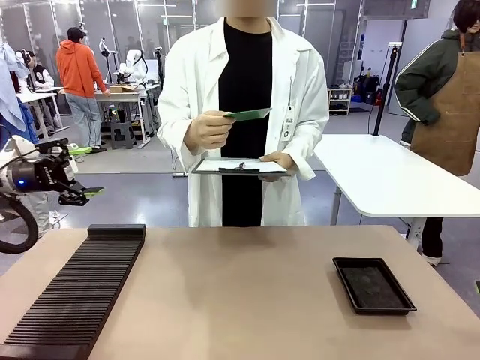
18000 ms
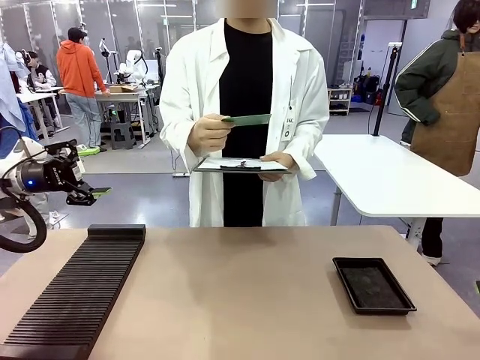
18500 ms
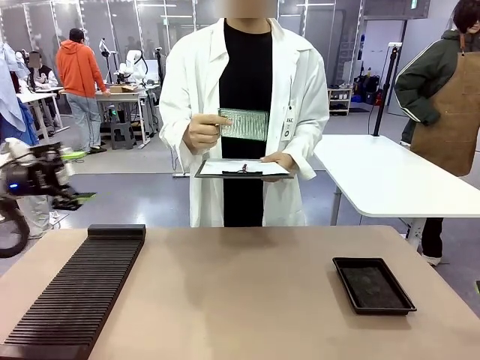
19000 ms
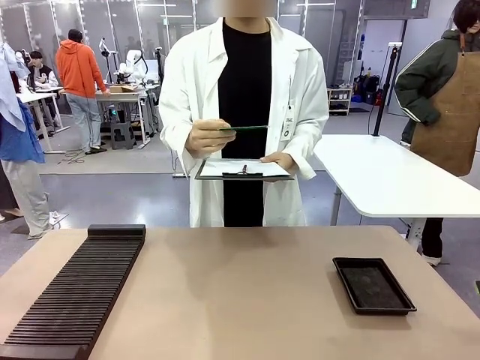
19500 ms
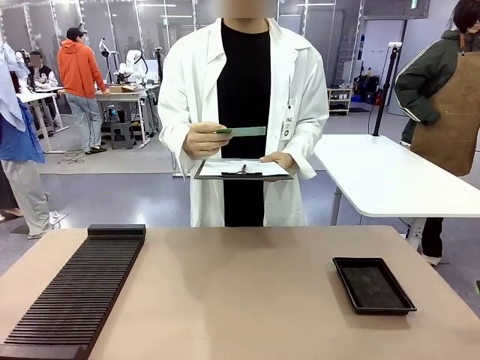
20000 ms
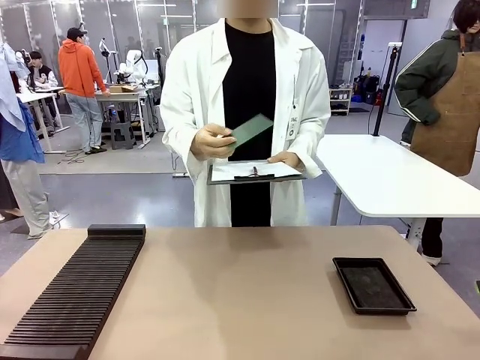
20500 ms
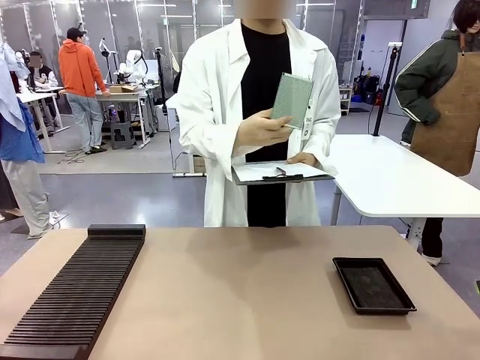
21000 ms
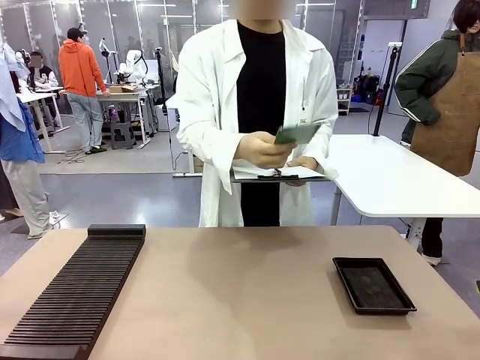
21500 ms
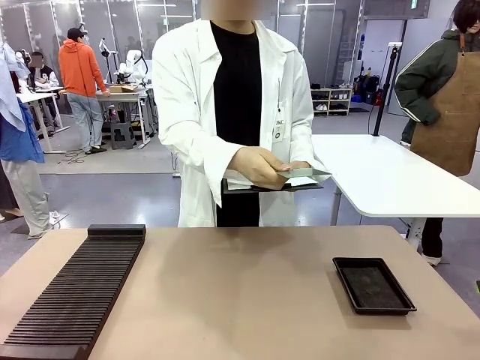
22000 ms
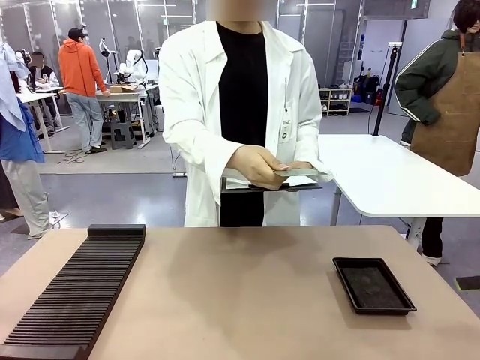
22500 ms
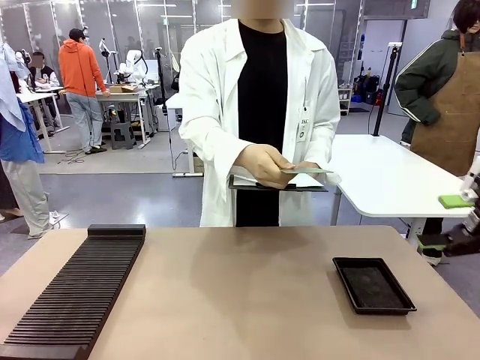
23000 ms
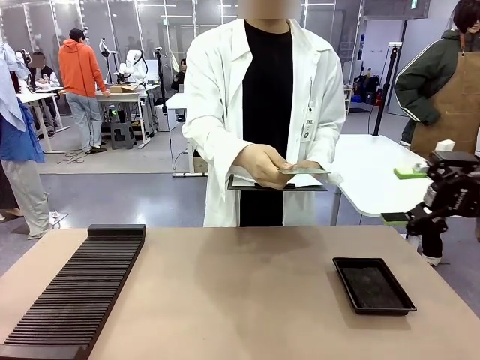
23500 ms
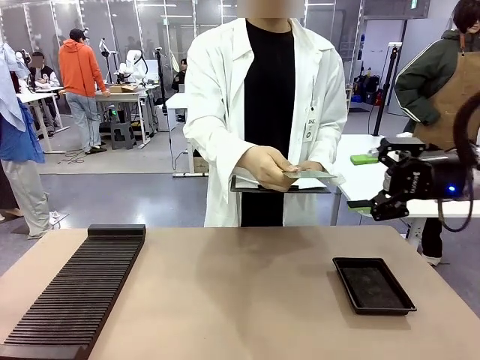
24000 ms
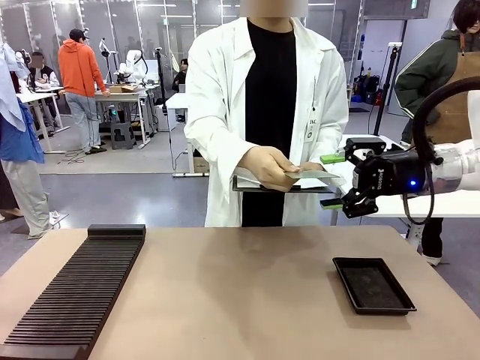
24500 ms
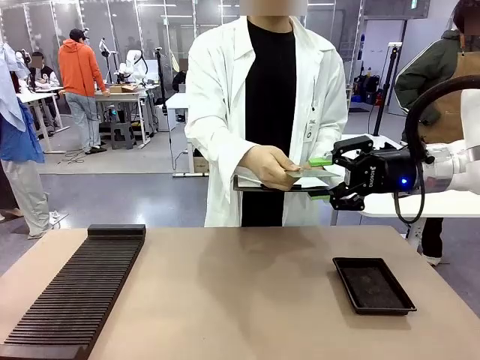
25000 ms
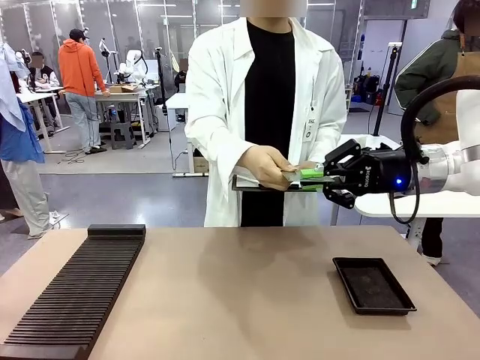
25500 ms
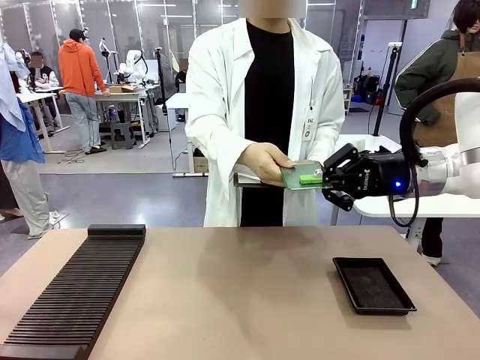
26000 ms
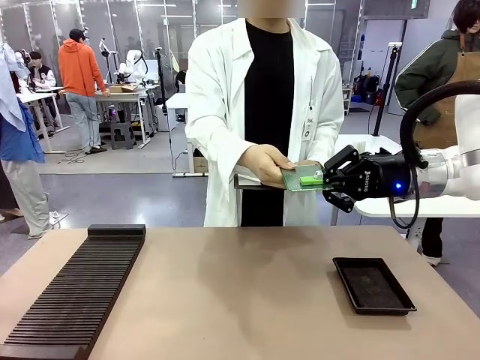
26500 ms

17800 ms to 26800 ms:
Task: Inspect the PCB.
Robot: Pick up the Blank PCB that the human is holding.
Person: Inspect the PCB placed by the robot, then hold it out in front of the robot. Release the PCB you were holding.

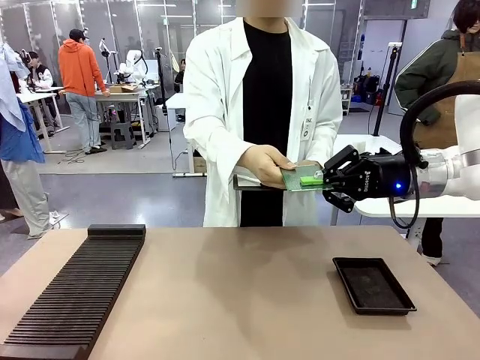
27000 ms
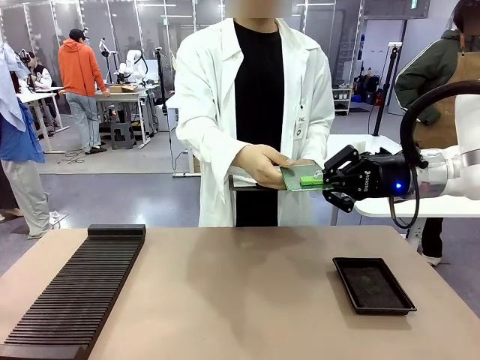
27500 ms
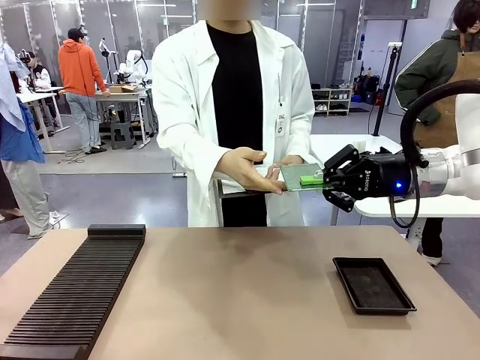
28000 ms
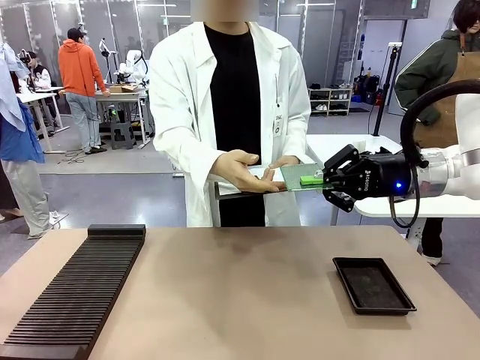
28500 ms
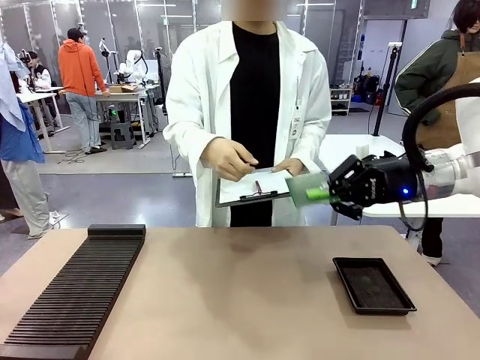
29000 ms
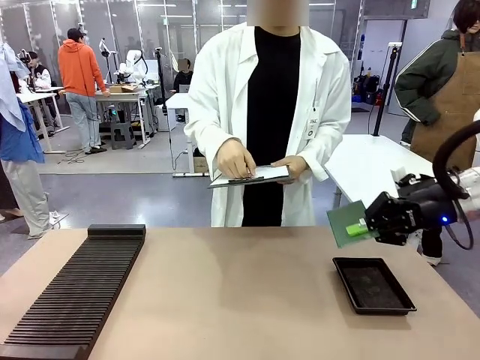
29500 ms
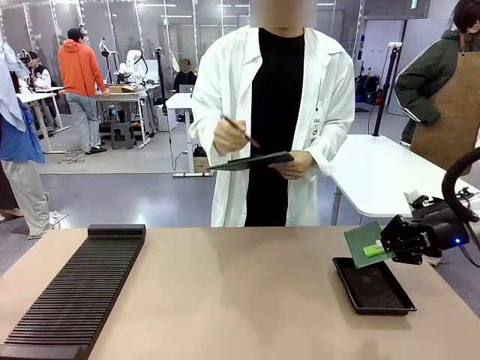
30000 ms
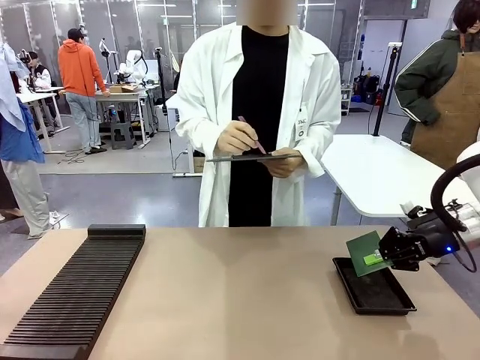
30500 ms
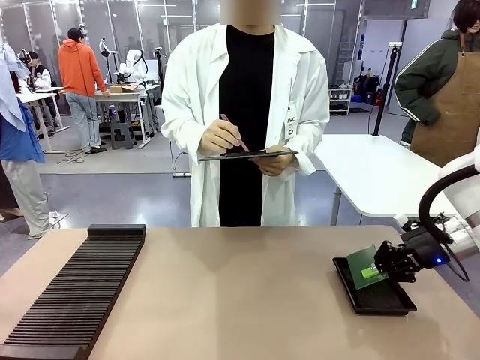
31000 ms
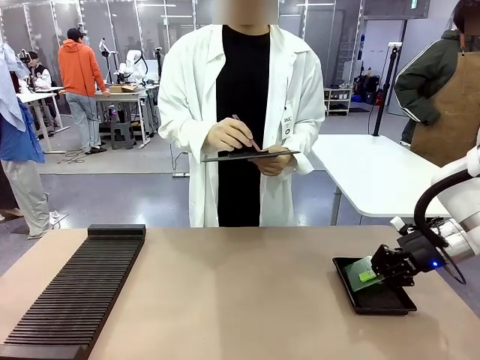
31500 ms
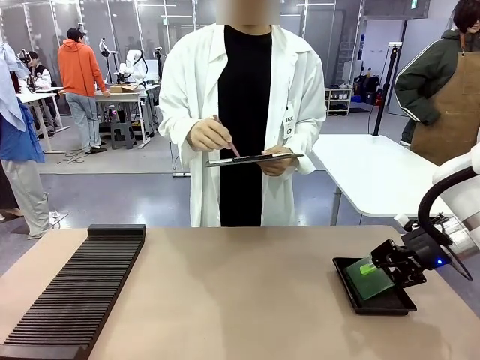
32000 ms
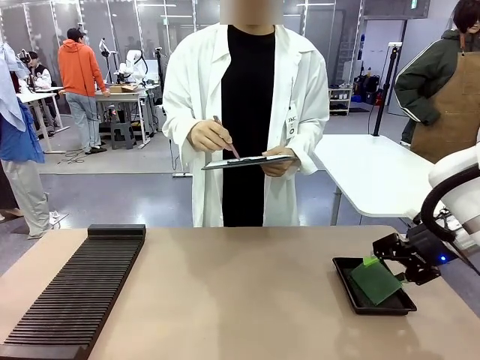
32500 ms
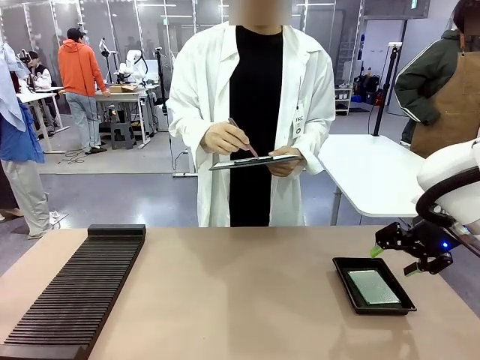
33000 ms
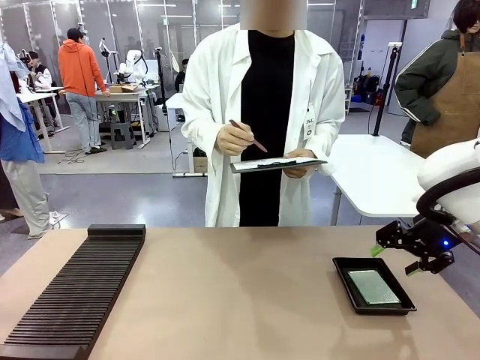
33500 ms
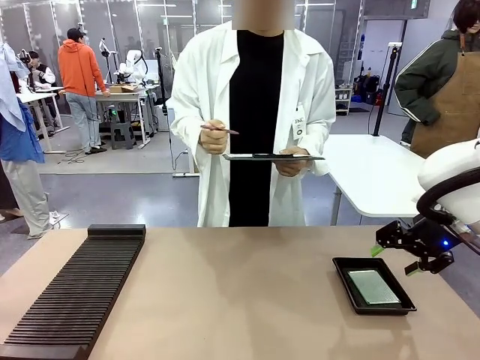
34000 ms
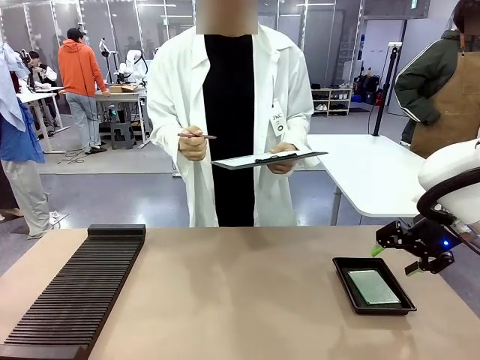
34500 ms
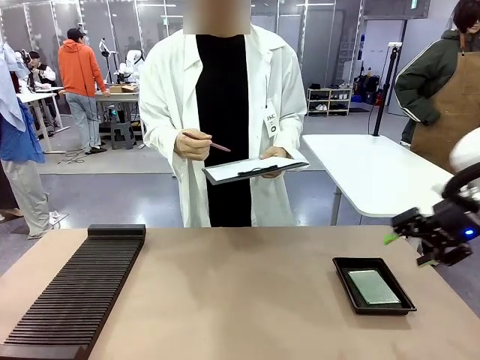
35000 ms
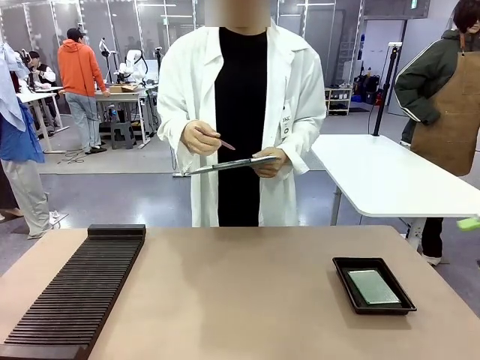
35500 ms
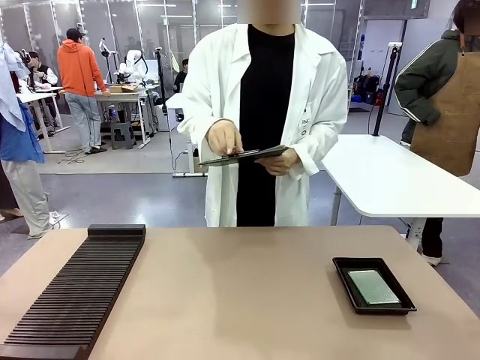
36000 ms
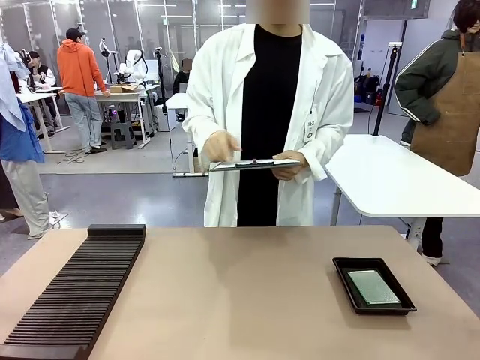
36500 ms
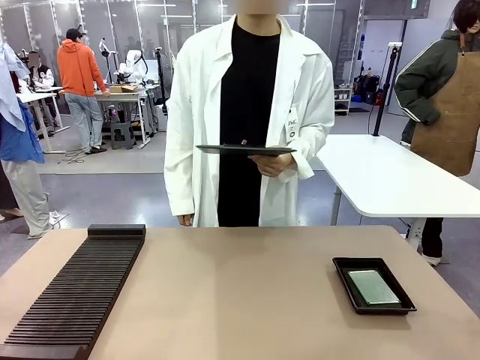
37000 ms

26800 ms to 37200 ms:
Robot: Place the Blank PCB in the ESD tray.
Person: Record the PCB status on the paper.

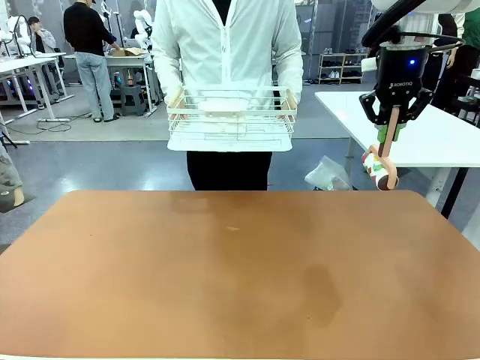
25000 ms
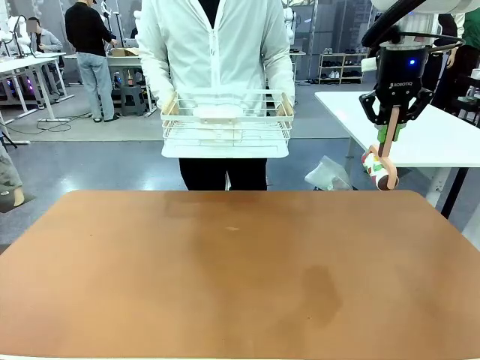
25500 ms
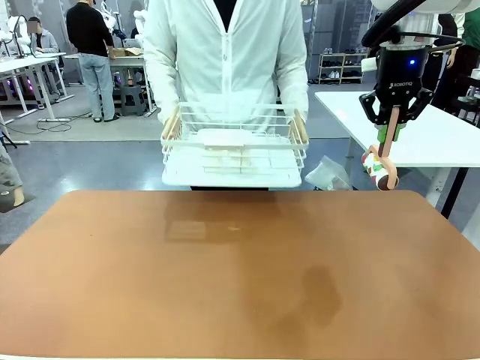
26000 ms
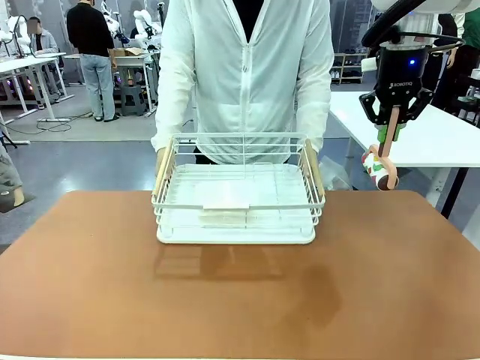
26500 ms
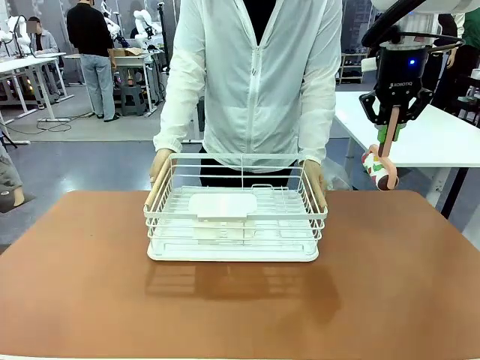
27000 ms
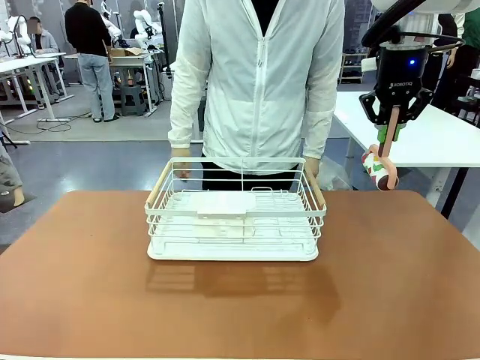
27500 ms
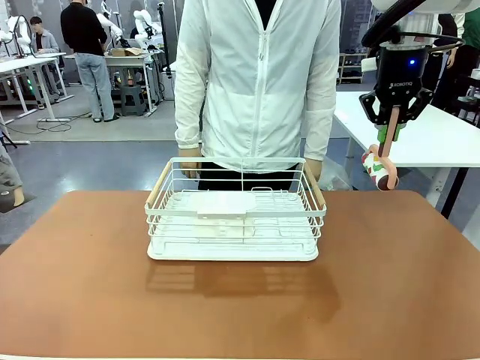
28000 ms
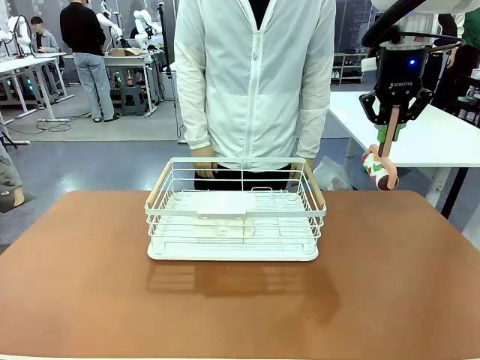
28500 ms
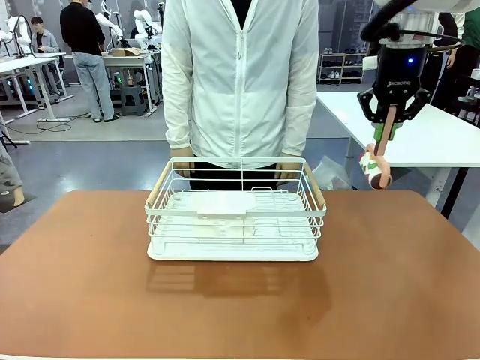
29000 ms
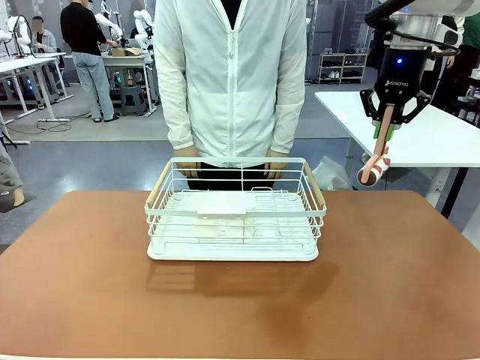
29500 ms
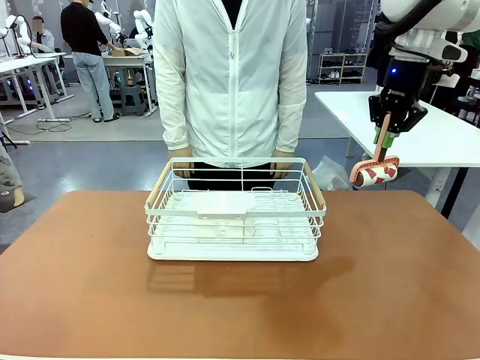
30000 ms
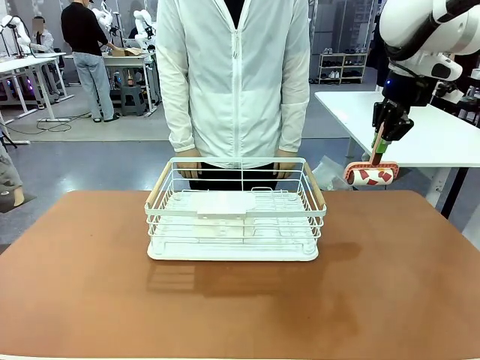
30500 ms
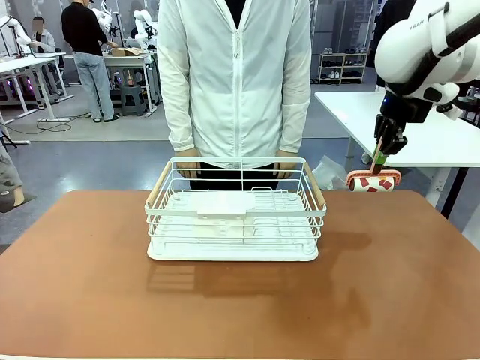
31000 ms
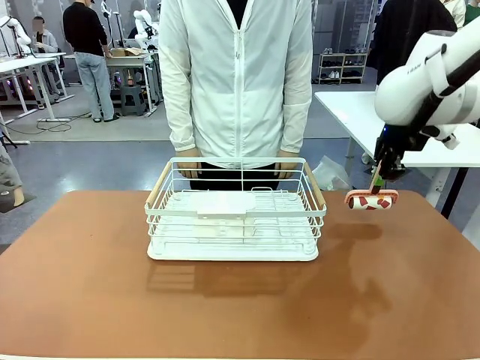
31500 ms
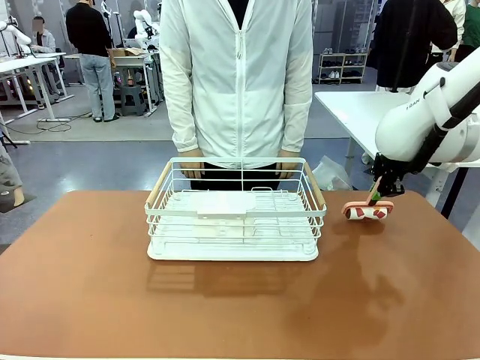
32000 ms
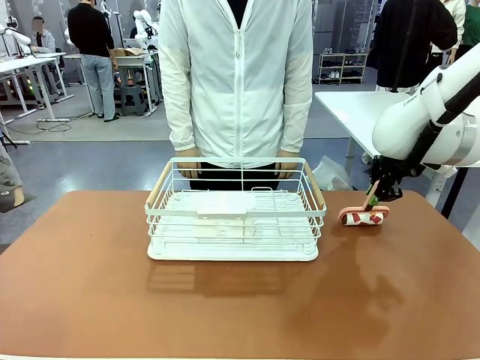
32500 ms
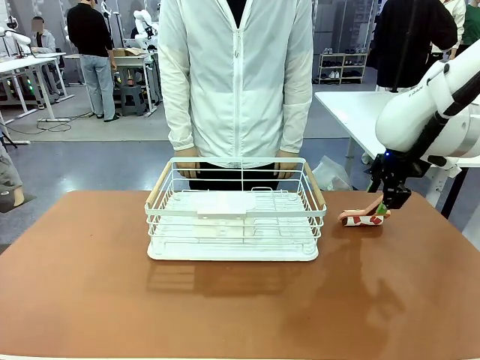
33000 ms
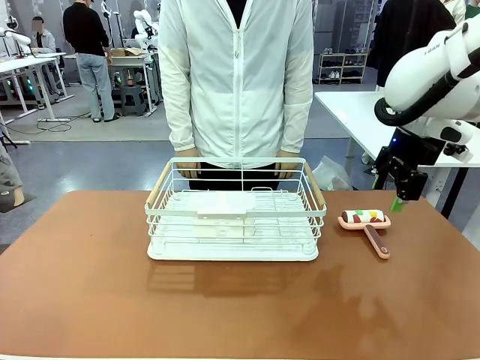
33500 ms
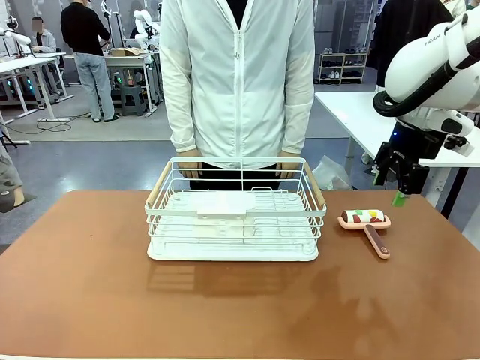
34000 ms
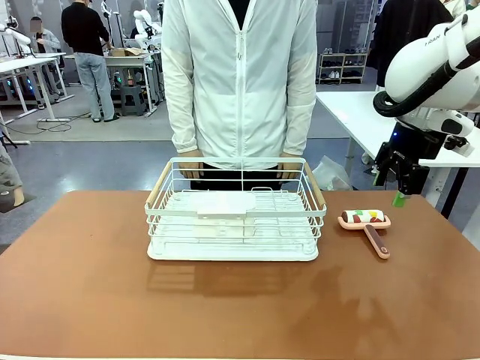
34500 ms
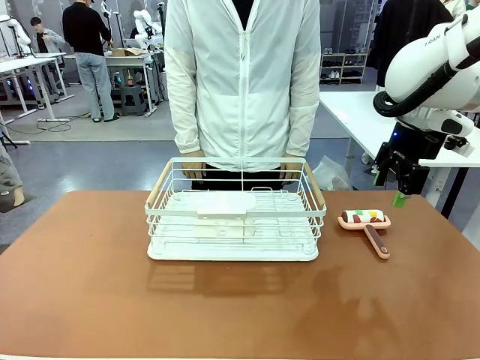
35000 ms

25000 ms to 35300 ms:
Task: Clean the table.
Robot: Place the Lint Roller down when the Dish drying rack is positioned in the middle of the table.
Person: Place the Dish drying rack down when the robot finishes cleaning.
